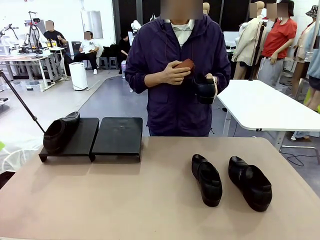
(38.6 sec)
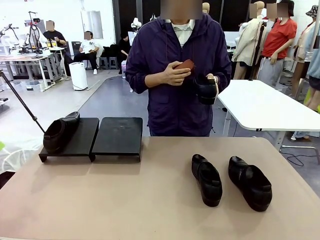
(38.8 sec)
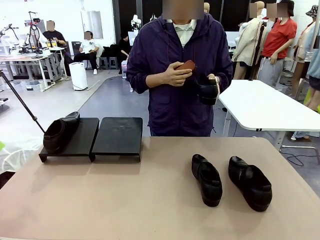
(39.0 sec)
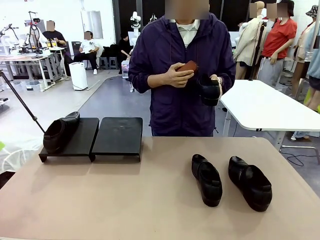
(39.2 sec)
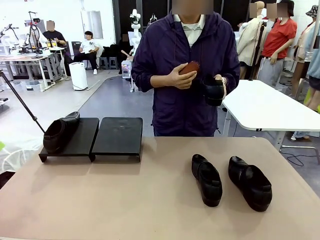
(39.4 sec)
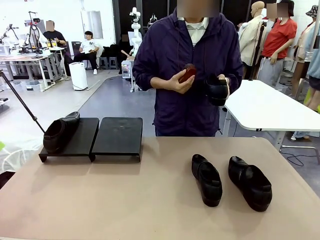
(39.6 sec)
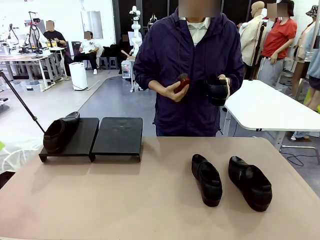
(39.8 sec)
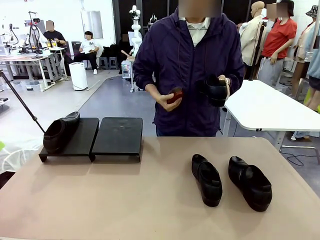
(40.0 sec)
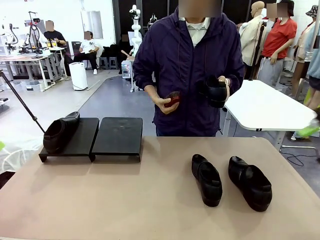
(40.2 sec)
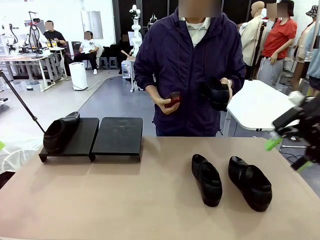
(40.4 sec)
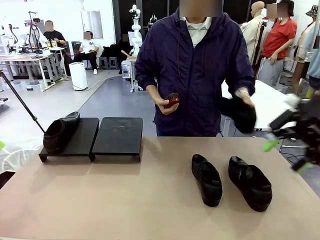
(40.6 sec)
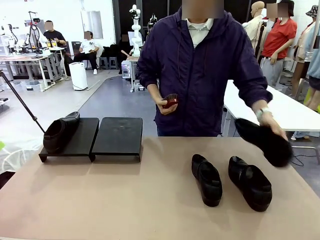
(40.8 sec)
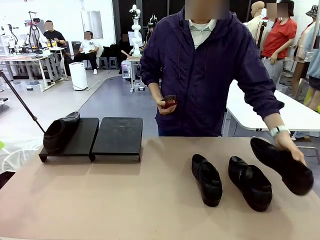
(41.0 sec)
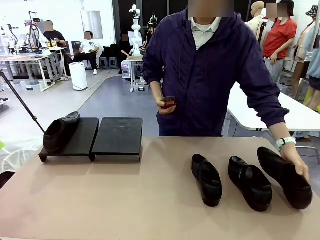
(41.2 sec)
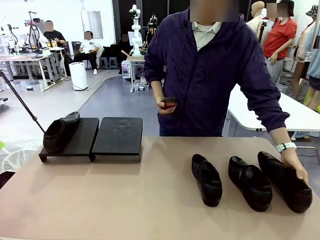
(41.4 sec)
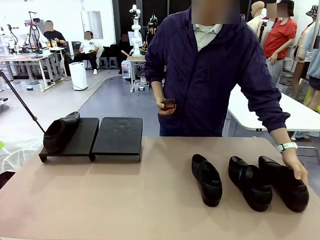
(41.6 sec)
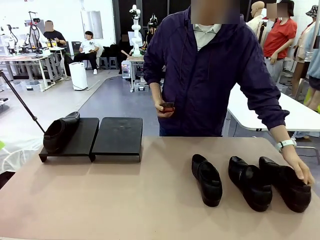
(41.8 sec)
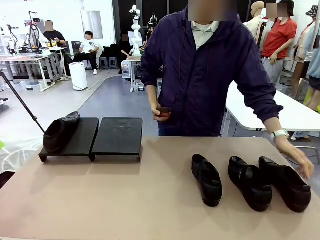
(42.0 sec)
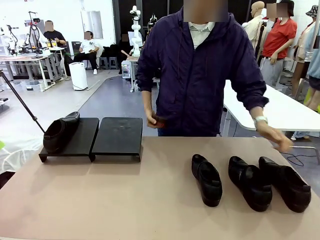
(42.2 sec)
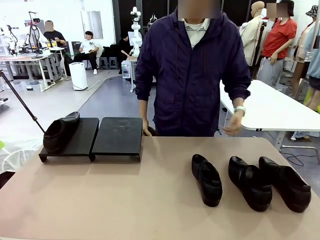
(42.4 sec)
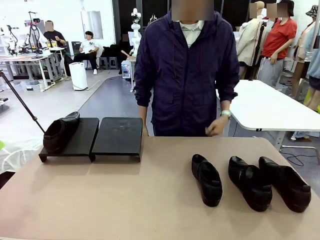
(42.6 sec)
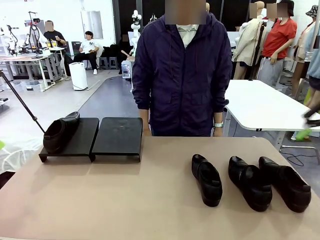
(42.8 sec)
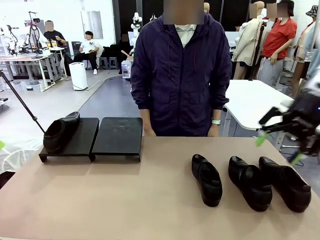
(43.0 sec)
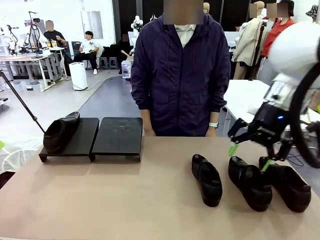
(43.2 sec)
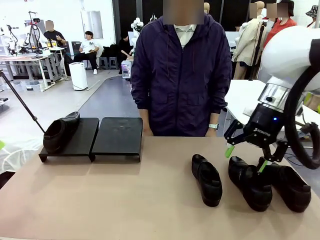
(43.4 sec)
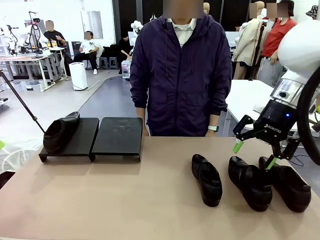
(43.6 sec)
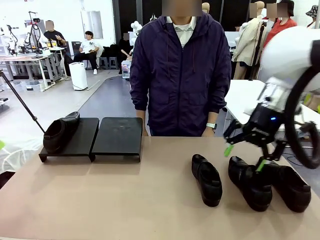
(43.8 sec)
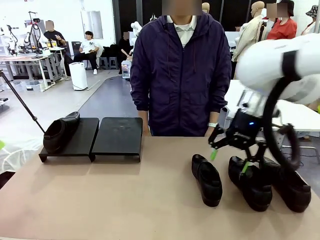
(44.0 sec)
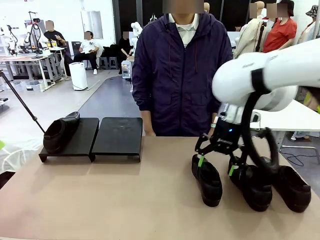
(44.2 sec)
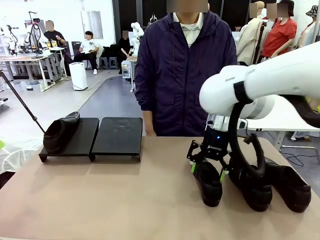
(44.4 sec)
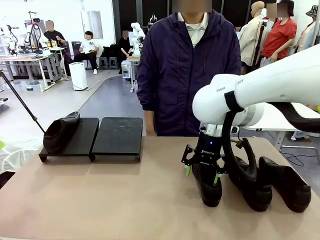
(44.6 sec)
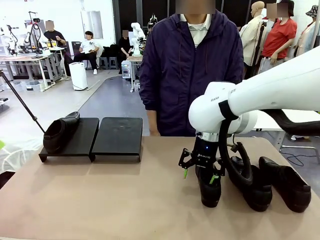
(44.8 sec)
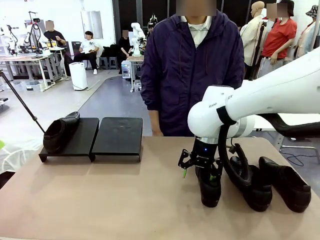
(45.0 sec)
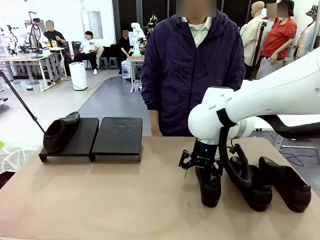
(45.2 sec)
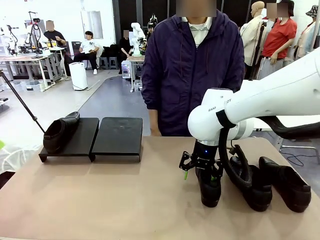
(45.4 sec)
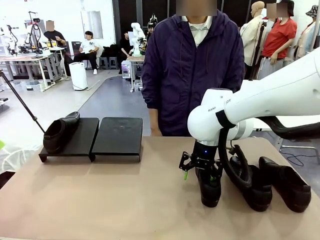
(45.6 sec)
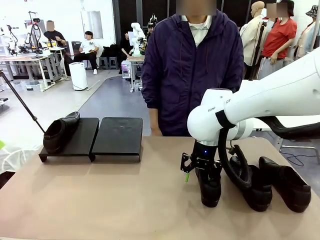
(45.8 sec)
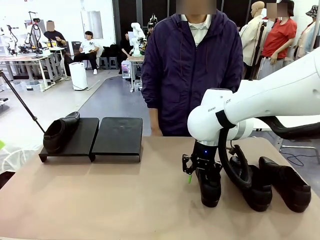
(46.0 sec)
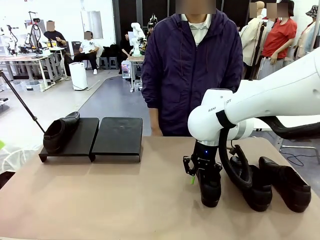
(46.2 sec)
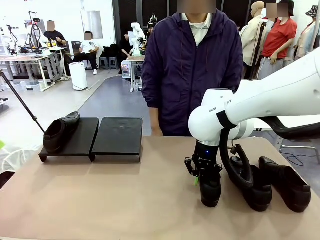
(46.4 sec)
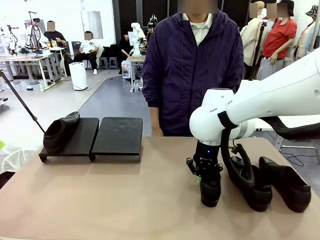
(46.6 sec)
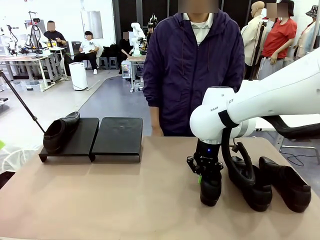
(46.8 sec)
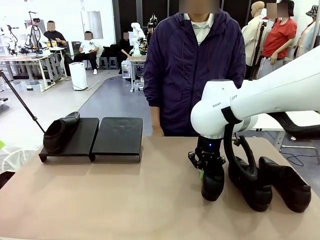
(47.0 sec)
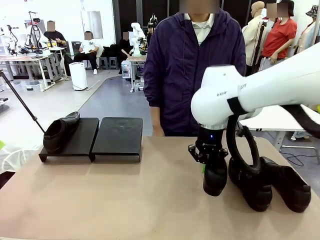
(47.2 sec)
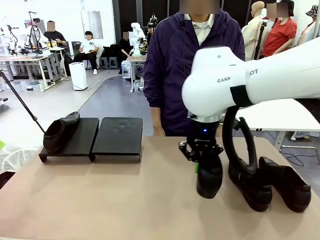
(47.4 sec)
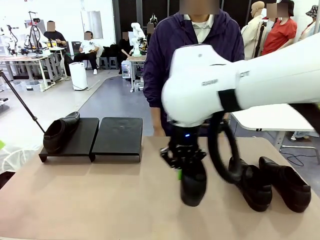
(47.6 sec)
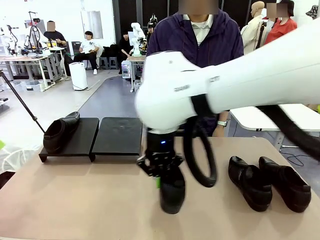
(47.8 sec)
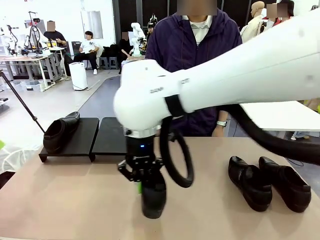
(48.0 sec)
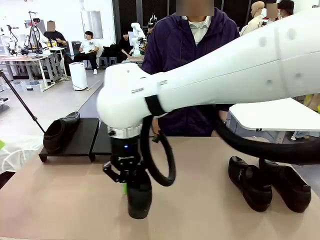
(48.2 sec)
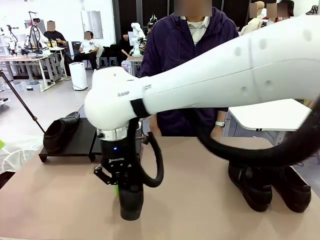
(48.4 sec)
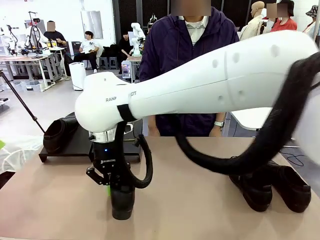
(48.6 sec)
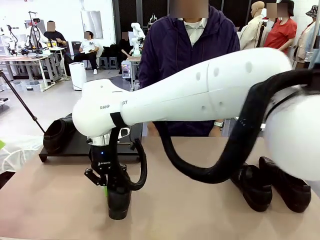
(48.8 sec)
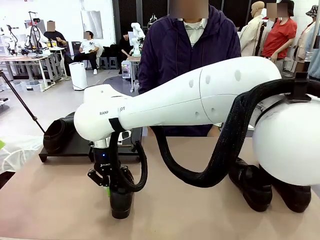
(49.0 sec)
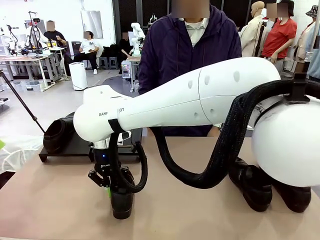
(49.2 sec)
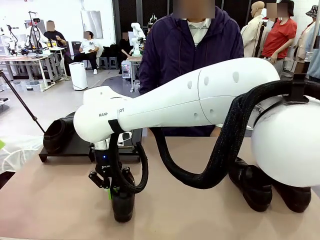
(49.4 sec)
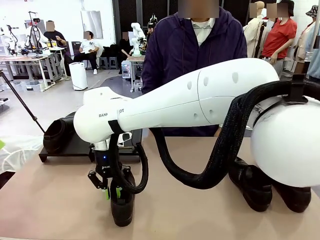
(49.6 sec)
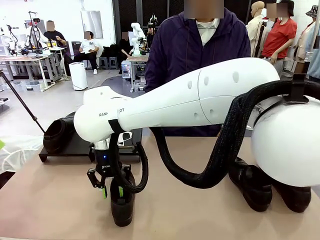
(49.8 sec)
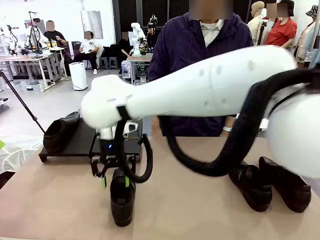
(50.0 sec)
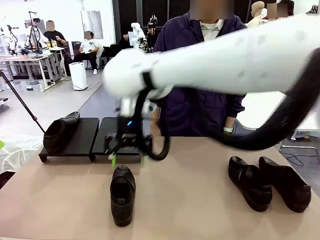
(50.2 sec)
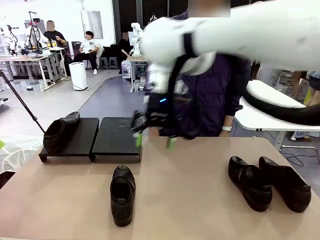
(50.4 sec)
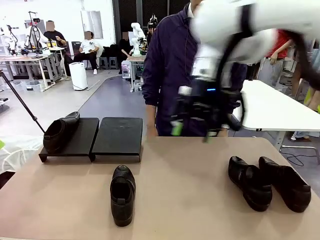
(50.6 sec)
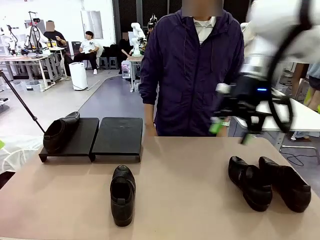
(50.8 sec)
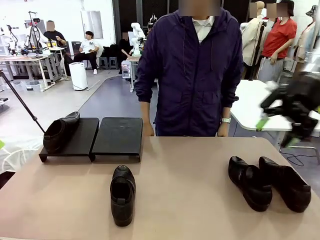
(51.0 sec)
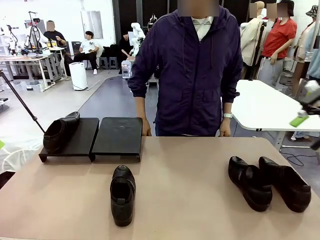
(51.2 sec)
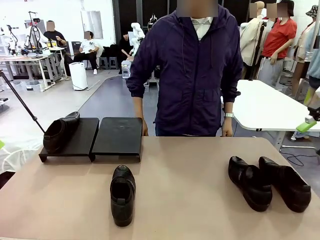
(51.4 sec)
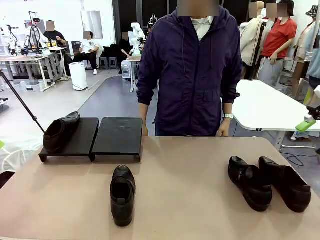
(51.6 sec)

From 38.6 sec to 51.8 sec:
Task: Organize the shoes by placing them on the stand.
Robot: Pick up one Shoe and place it in the middle of the table.
